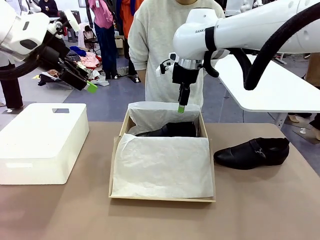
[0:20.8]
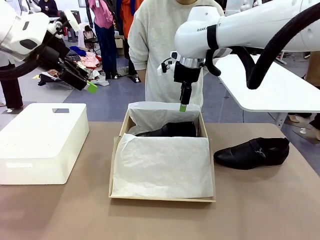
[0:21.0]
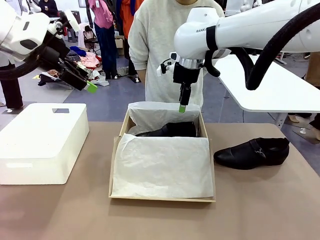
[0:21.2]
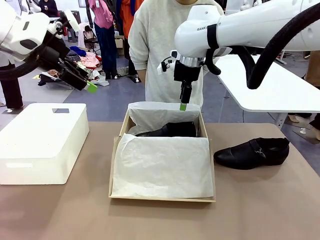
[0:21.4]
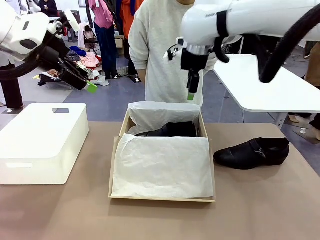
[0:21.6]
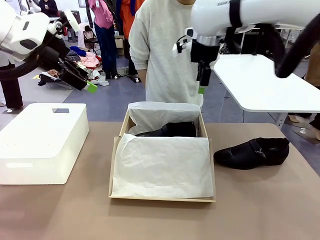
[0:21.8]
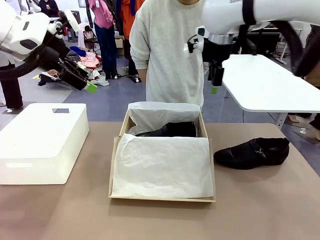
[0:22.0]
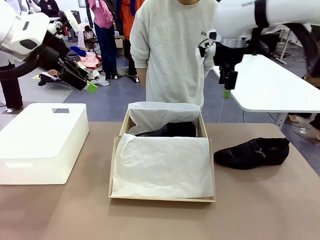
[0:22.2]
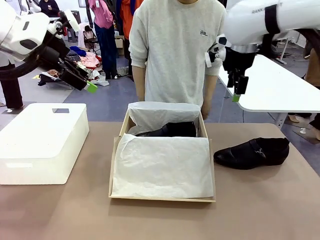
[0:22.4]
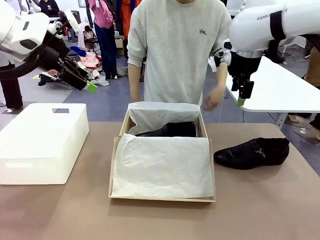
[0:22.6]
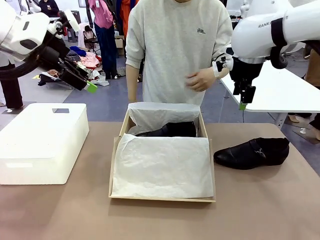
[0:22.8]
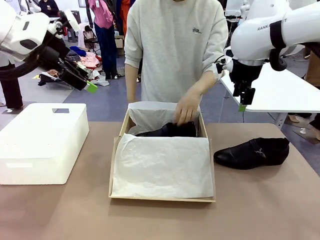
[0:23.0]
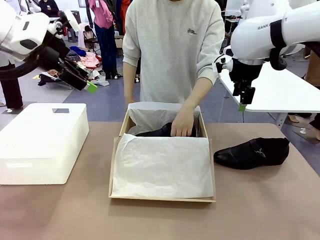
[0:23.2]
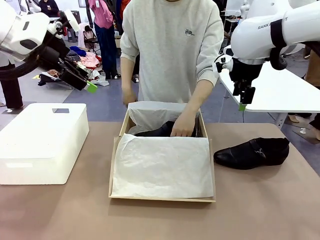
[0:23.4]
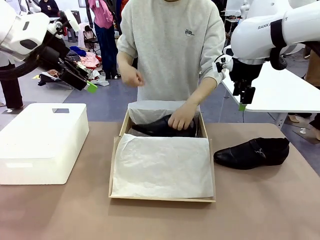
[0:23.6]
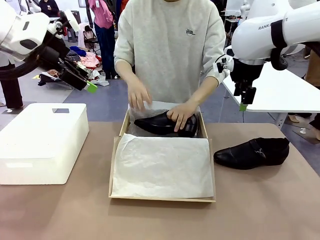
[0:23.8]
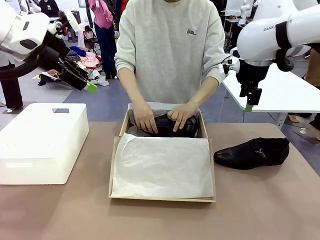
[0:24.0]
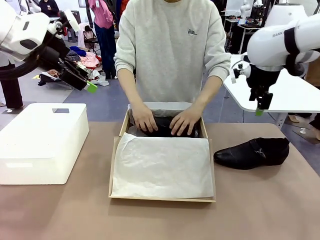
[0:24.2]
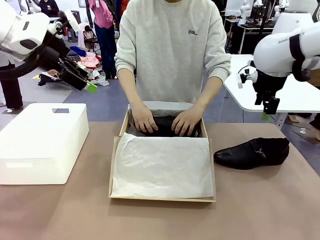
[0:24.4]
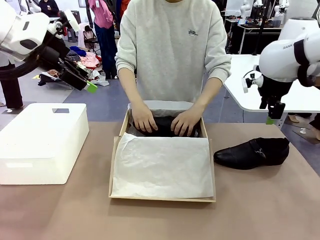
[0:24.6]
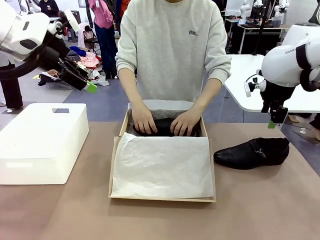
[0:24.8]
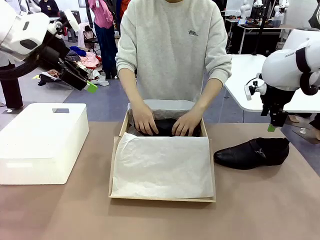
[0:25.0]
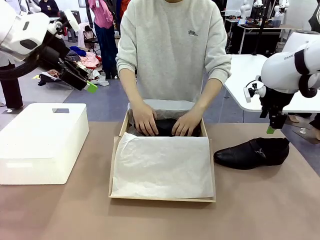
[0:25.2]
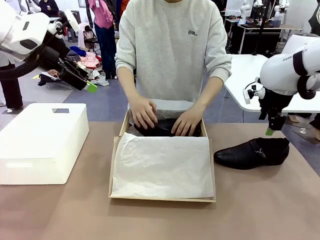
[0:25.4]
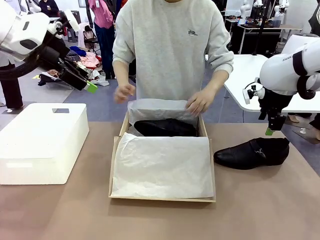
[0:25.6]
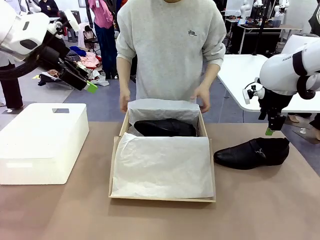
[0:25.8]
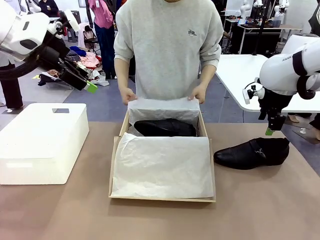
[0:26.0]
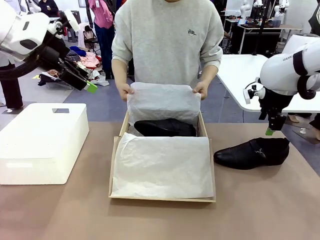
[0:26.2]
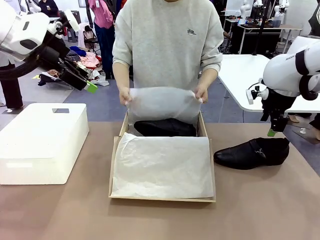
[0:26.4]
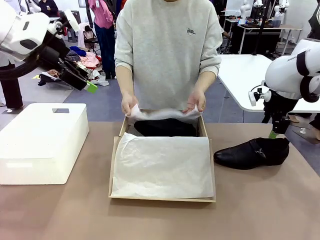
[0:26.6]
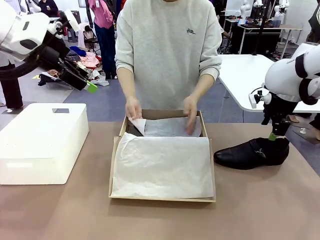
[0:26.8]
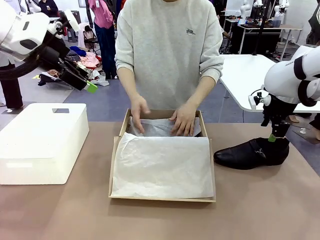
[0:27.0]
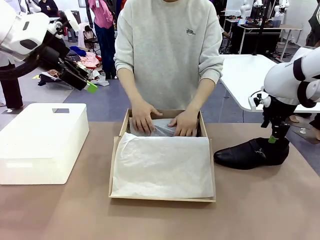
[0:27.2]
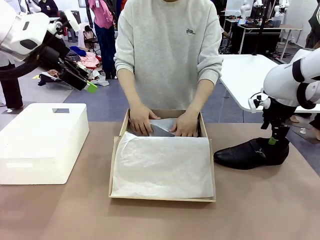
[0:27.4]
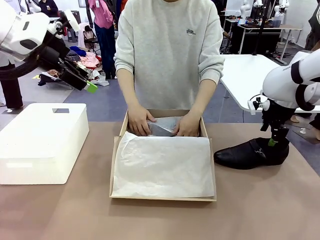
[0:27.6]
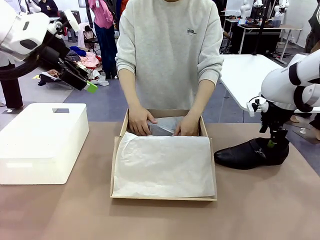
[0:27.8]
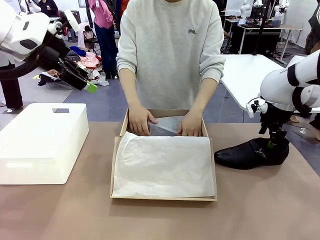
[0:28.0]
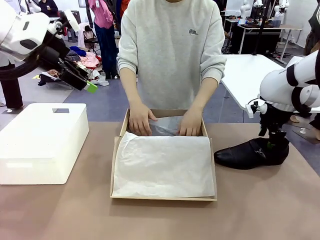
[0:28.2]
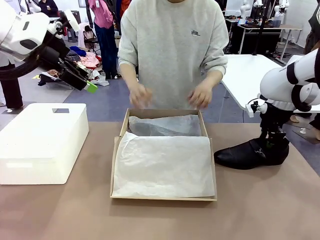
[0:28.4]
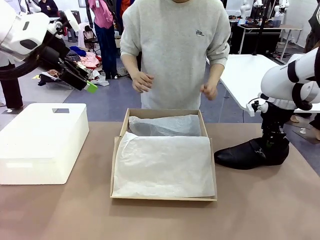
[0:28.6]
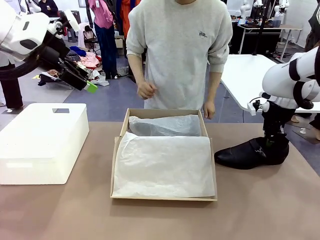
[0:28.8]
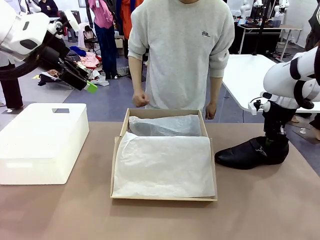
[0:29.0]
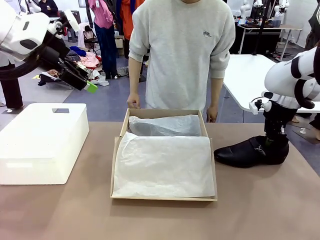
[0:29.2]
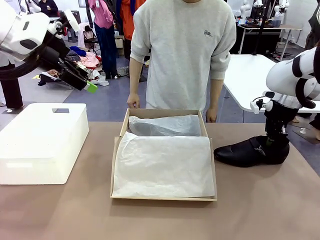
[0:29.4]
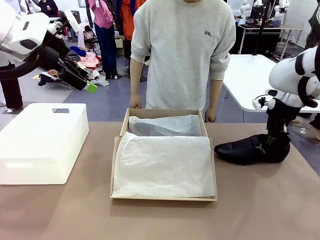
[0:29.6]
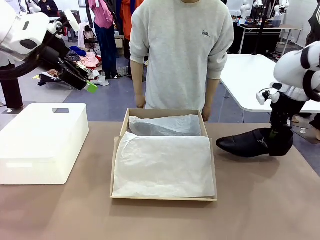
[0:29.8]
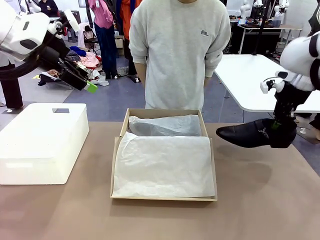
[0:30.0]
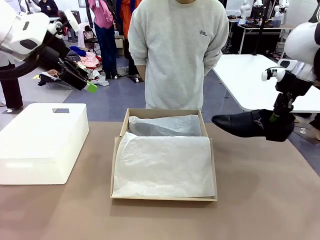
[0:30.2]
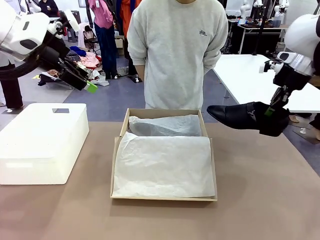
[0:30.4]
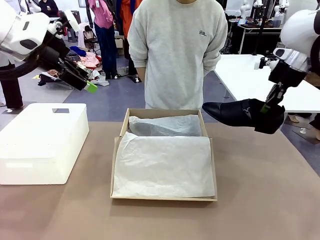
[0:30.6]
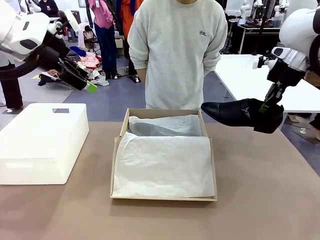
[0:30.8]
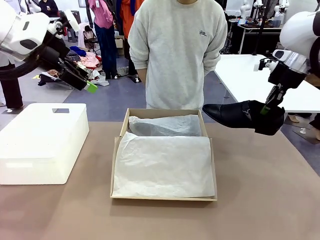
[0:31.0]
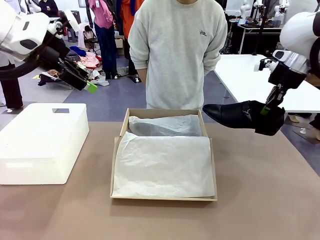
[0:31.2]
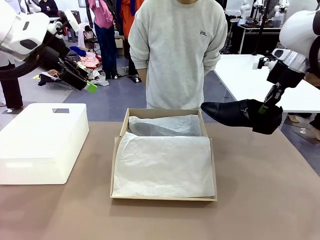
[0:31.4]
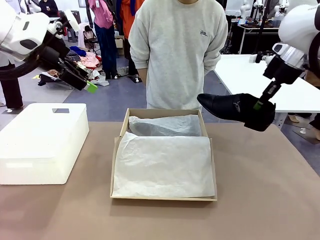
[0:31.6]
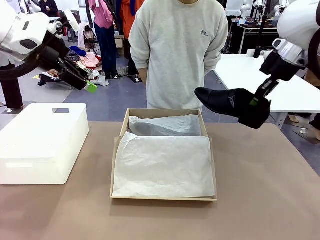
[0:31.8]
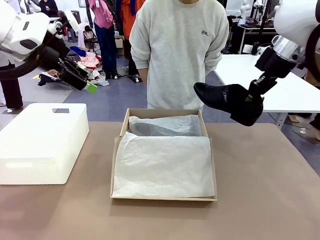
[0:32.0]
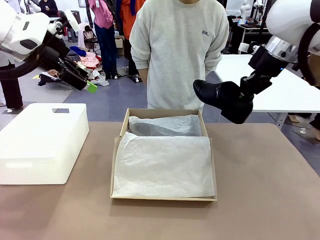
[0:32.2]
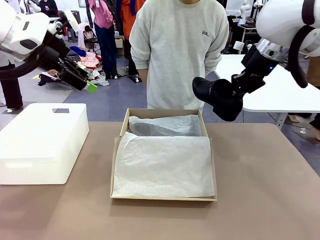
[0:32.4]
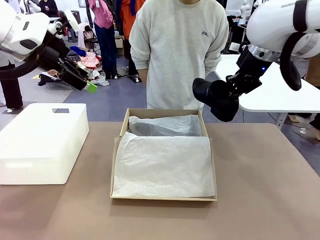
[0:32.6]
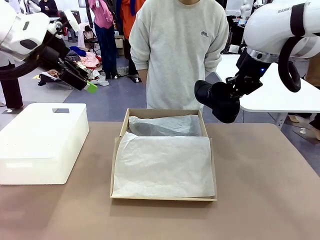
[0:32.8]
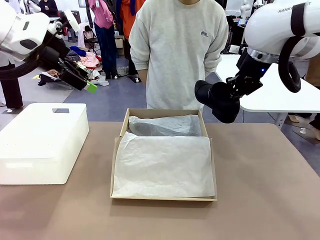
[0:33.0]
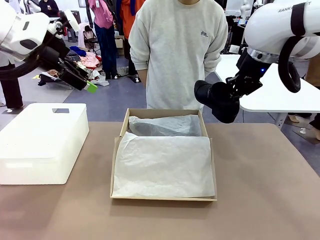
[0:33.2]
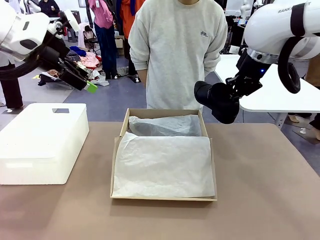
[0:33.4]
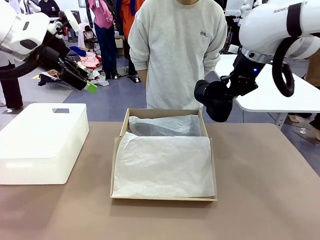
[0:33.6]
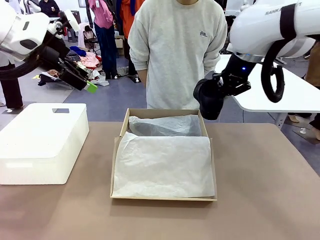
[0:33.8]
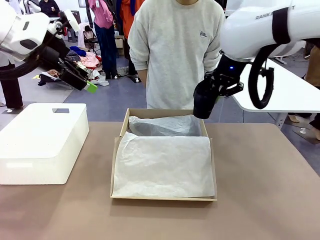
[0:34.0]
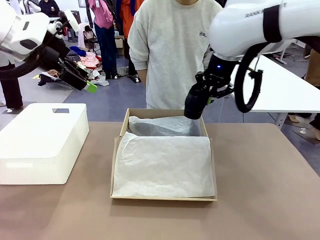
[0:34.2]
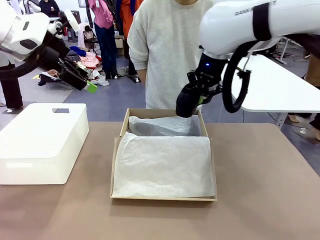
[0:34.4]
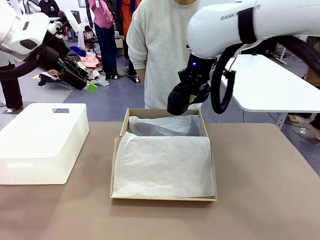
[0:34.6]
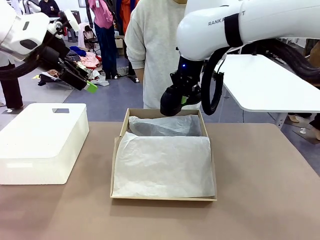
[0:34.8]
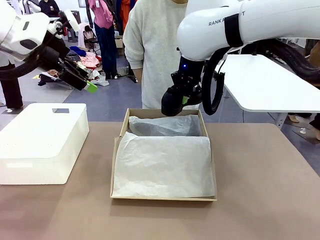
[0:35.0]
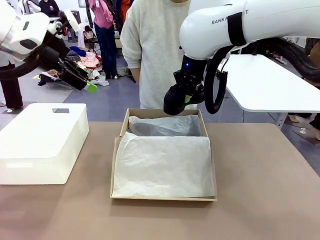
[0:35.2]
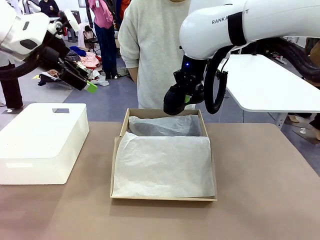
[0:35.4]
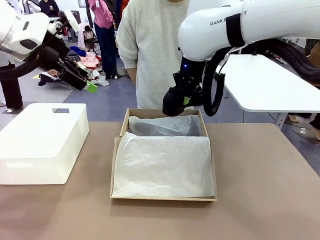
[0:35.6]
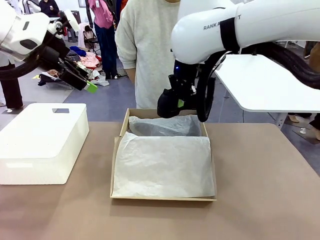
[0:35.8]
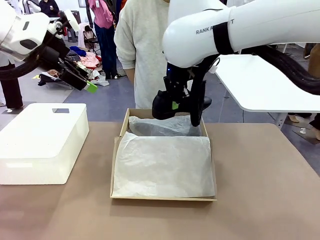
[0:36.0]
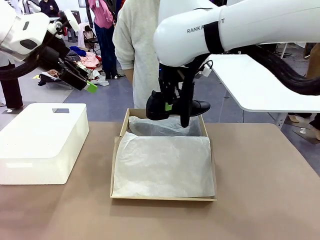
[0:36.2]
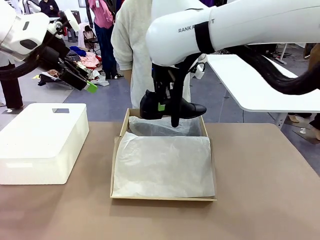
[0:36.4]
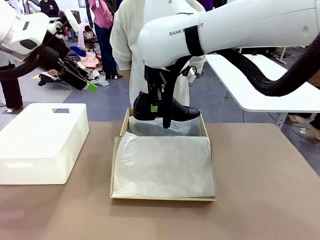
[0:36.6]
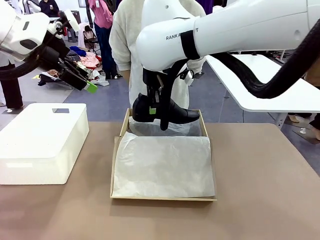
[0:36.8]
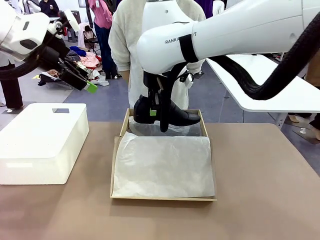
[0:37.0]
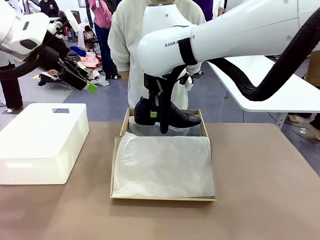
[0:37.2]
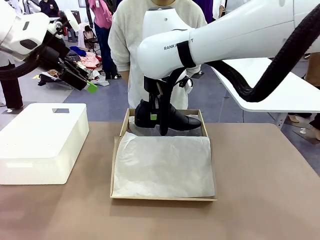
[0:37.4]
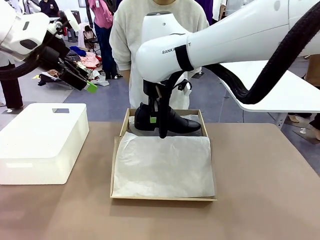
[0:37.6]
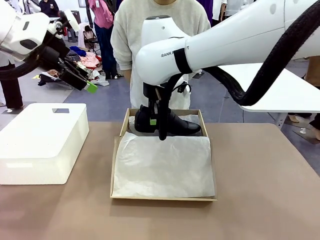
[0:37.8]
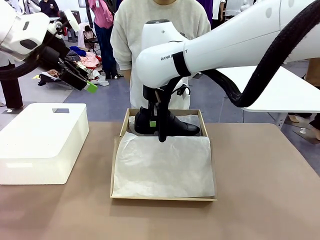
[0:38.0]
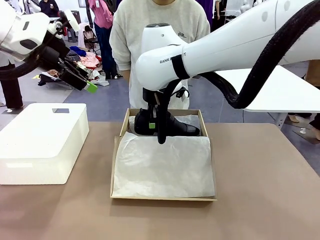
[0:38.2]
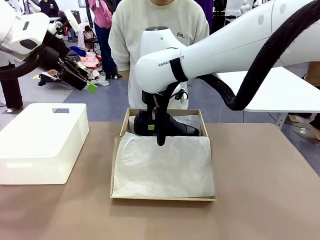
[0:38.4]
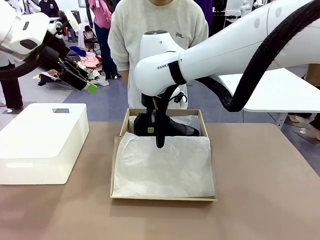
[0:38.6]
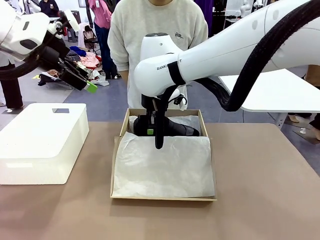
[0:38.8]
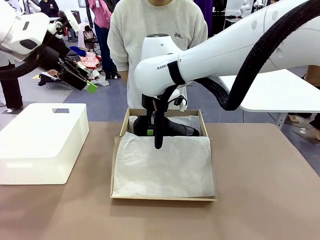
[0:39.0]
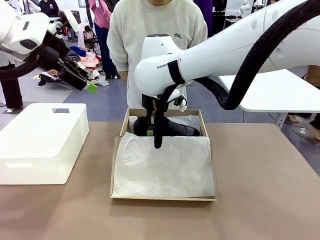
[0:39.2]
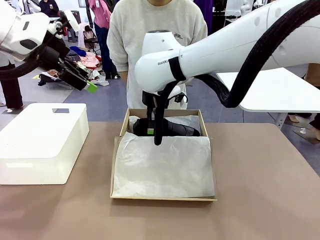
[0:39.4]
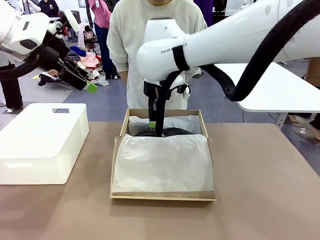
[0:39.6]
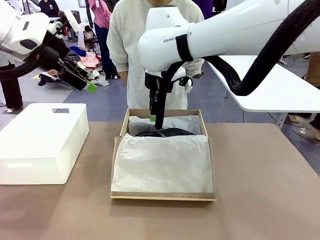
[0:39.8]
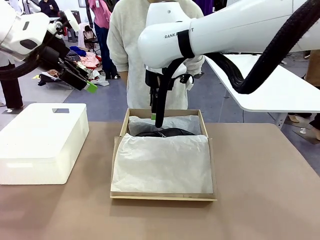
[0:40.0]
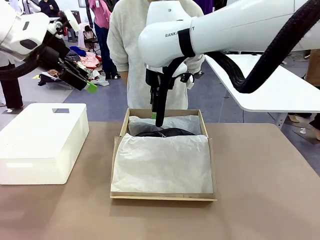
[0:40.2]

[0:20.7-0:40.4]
Task: Pack the shoes into the box.
Robot: Place the other shoe of the Shoes into the Shoes Box.
Person: Pack a shoe of Shoes inside the Shoes Box with Shoes Wrapping Paper.
